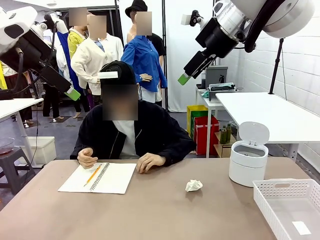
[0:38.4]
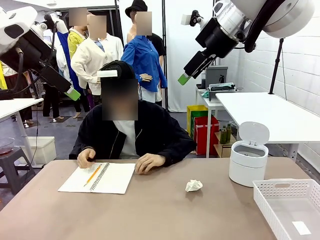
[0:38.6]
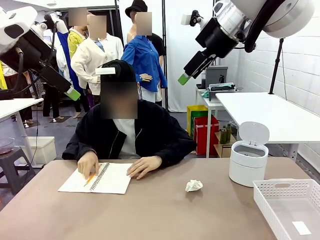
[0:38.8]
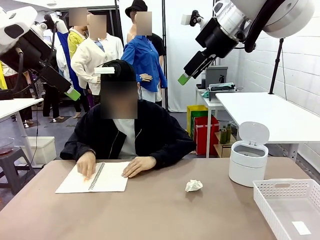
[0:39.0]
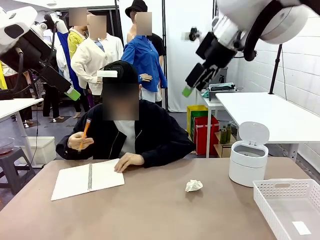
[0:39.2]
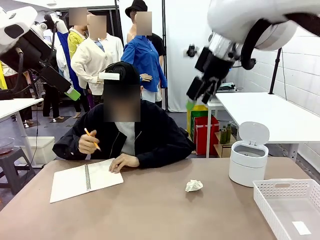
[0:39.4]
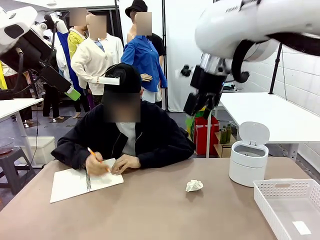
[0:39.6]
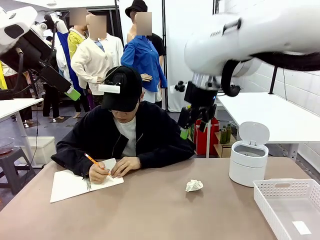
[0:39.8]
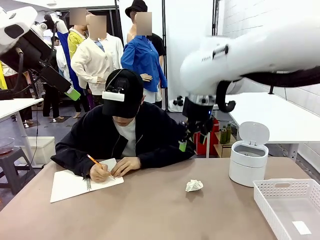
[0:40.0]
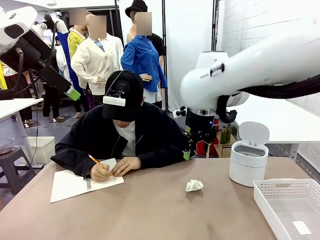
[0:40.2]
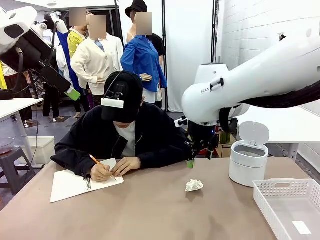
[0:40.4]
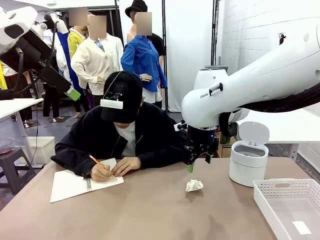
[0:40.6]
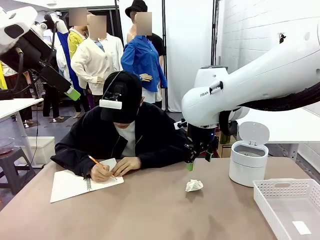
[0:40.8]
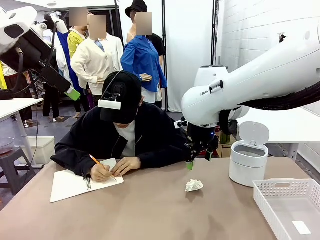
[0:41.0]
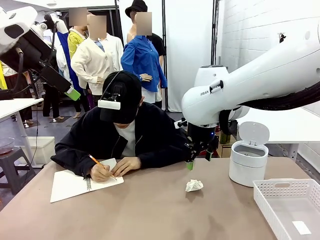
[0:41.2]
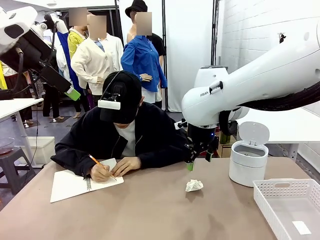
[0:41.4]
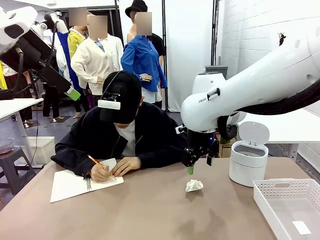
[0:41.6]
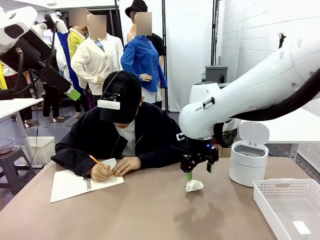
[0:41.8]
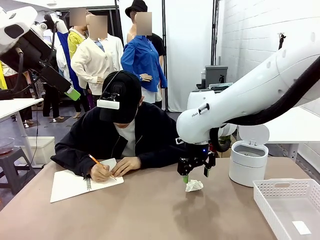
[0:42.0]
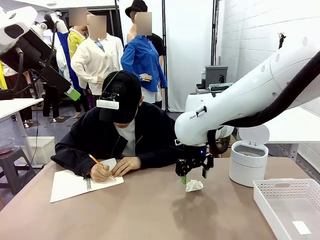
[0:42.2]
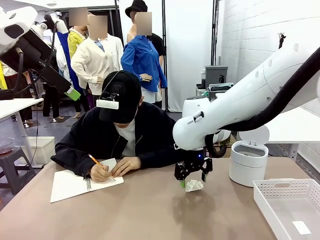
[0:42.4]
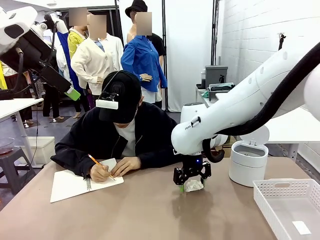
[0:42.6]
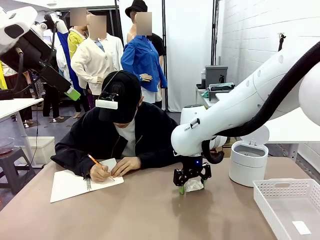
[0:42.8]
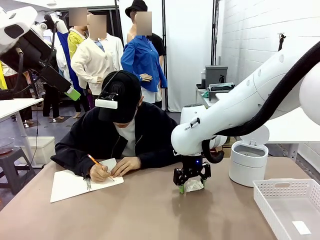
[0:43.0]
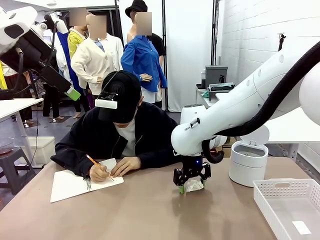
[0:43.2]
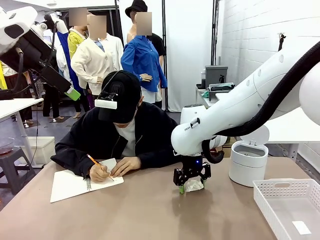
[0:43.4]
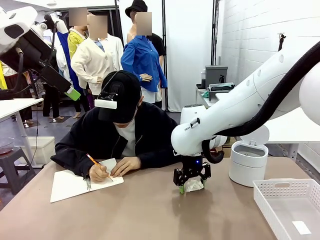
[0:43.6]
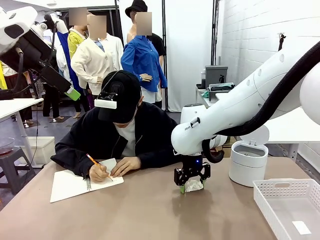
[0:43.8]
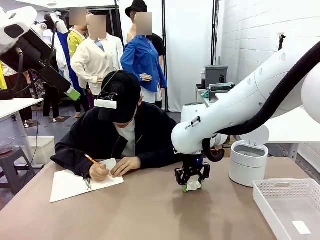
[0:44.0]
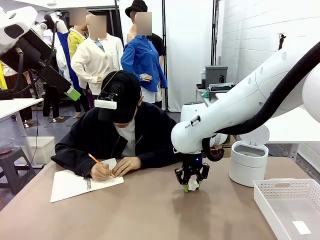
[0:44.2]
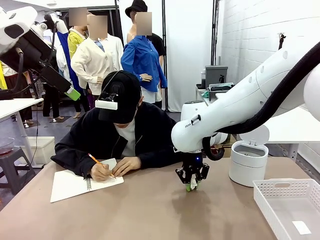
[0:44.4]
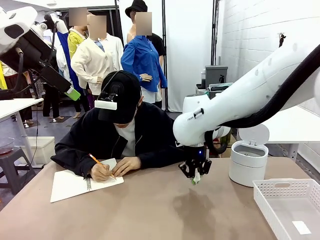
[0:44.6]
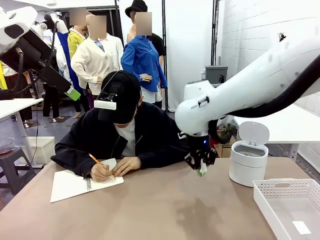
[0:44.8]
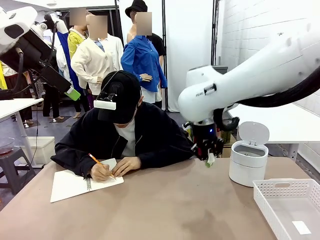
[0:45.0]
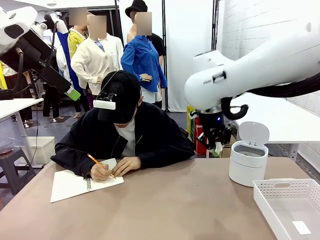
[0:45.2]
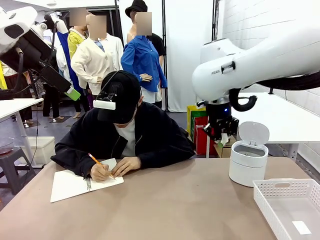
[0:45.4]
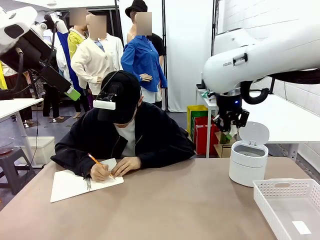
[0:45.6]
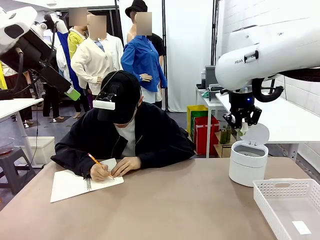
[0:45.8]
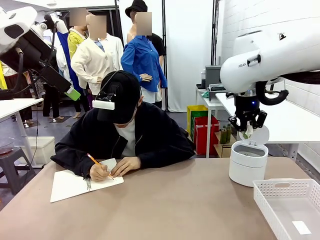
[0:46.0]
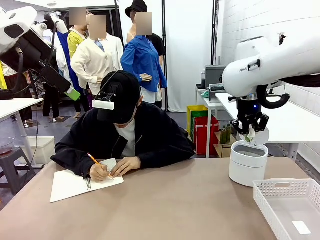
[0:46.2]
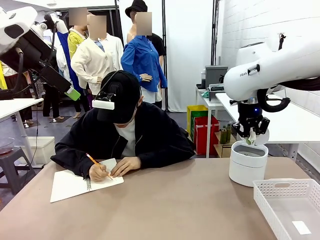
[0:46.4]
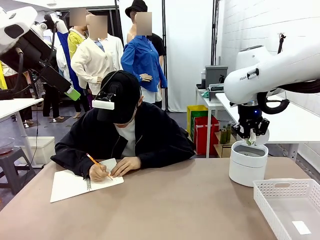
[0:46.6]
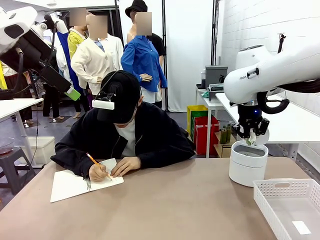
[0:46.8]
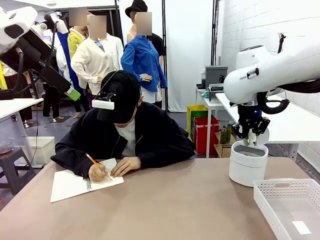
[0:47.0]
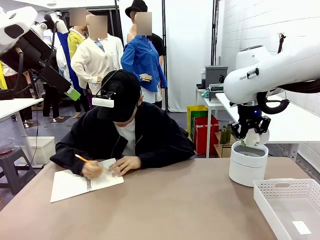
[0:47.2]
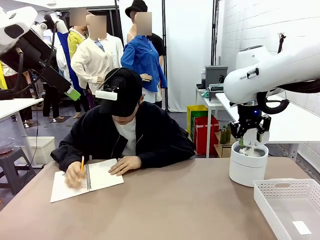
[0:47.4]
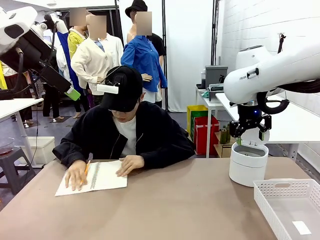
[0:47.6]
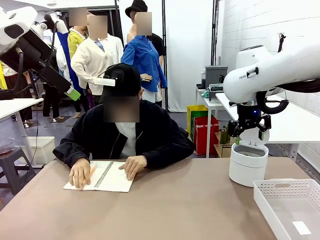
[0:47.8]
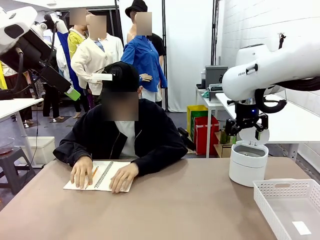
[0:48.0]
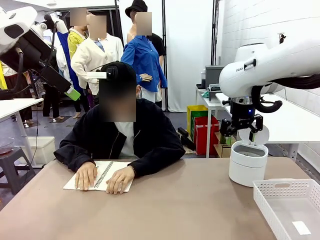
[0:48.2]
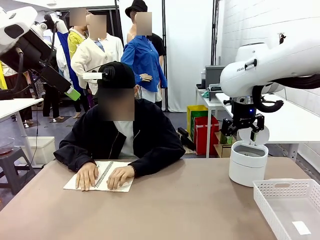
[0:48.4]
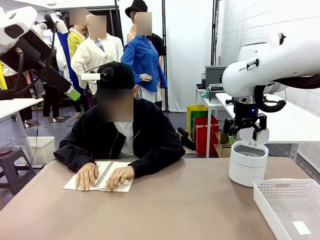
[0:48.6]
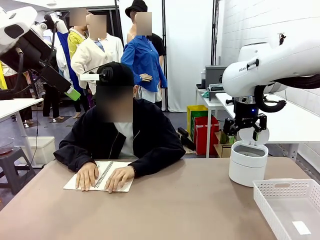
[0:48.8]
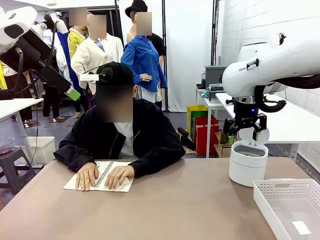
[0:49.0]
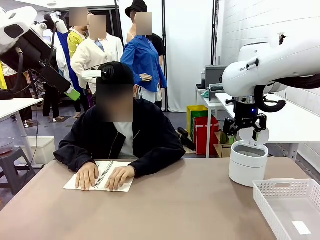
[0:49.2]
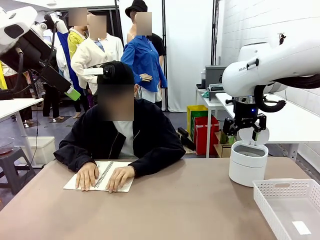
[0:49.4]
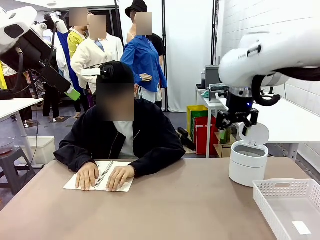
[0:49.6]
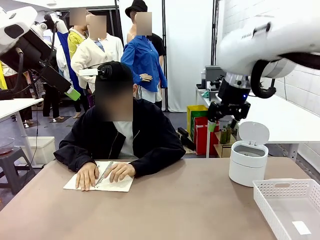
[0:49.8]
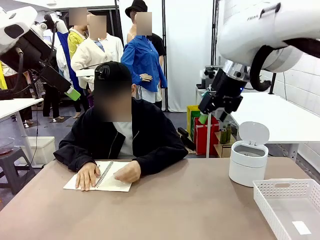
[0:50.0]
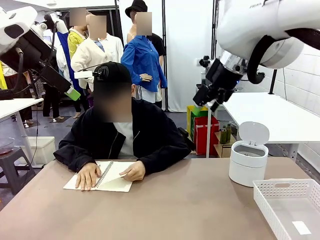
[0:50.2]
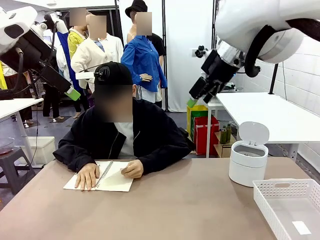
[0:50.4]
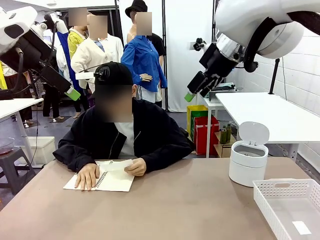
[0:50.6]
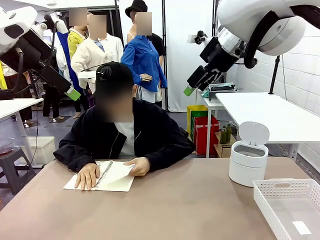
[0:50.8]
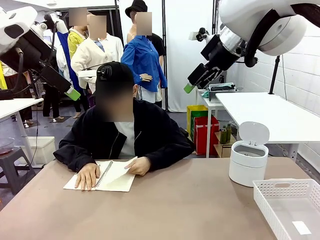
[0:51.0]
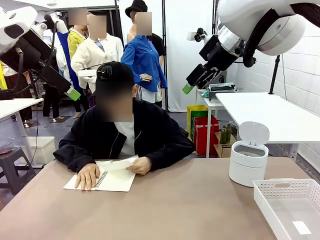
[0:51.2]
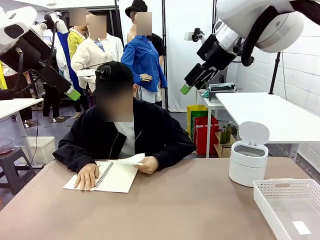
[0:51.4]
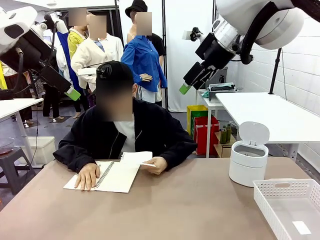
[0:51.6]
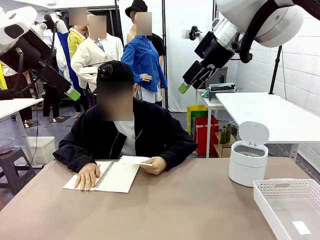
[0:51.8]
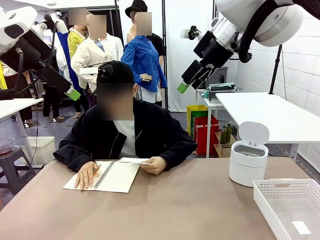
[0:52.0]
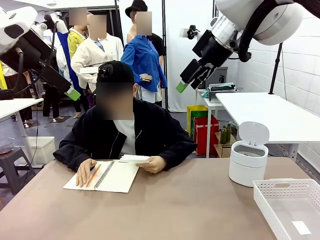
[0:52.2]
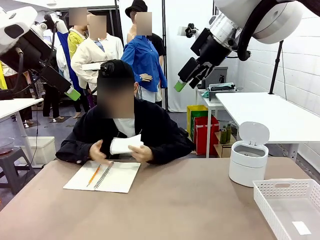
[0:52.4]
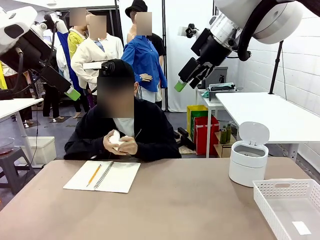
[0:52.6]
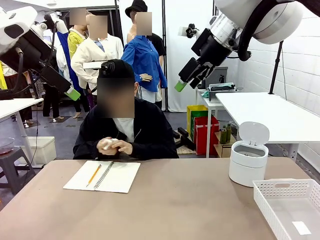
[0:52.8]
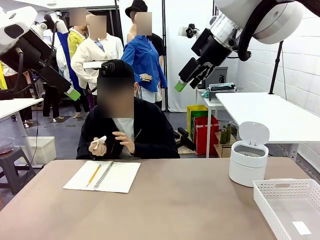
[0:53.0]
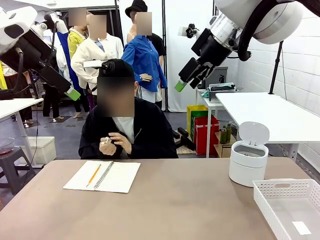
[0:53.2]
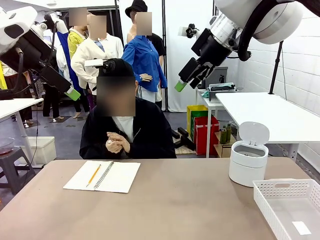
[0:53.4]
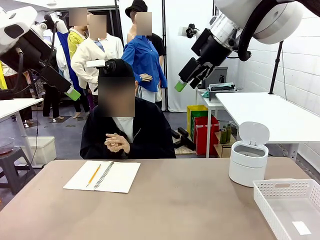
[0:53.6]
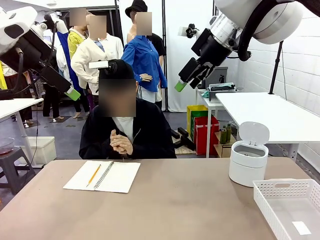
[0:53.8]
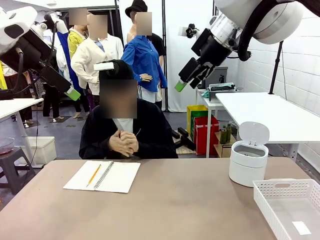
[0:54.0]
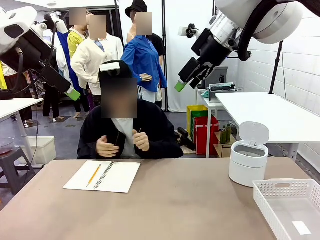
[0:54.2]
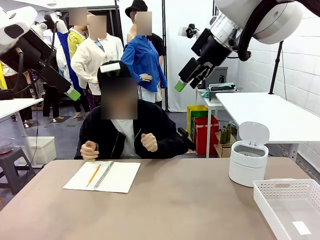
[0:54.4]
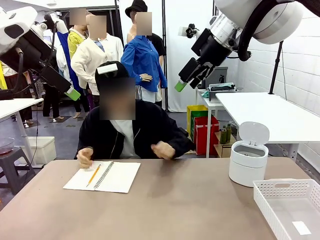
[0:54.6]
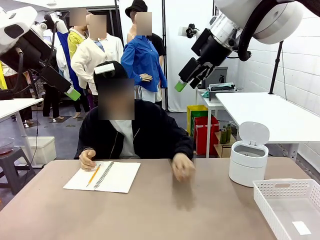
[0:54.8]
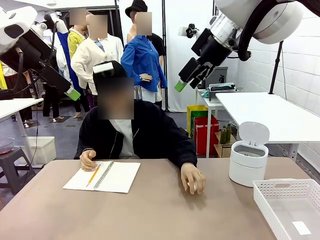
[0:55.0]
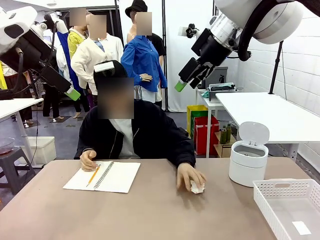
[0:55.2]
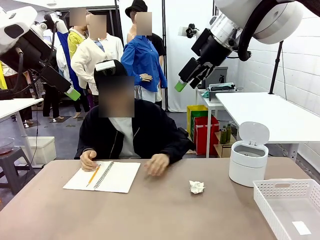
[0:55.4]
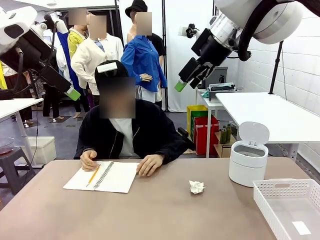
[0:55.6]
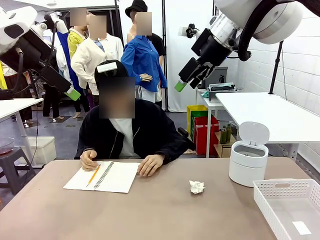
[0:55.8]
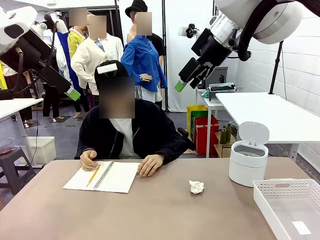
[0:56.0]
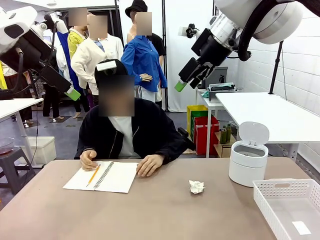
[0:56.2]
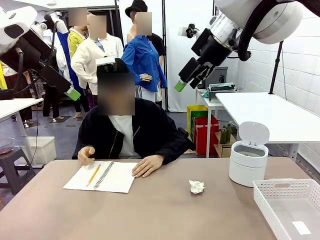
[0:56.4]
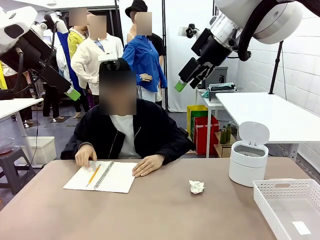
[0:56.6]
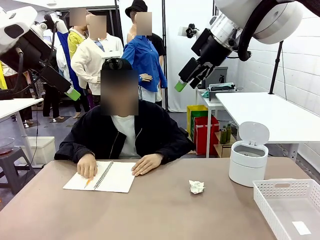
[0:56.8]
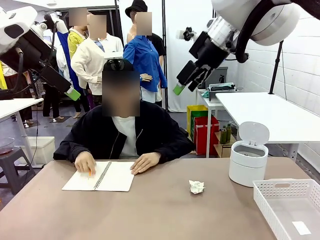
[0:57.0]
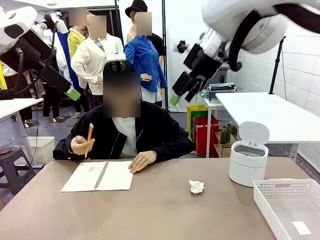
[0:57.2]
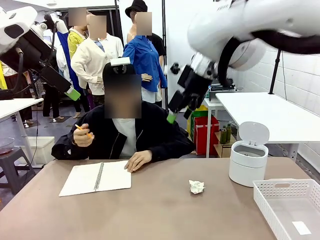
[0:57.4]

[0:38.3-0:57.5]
Task: Sort the paper based on its condition.
Robot: If a person hands you a paper, place it in the Organizing basket , and if it's crumpled, put it in the Trash can.
Person: Tear out a page from the spiral notebook.
